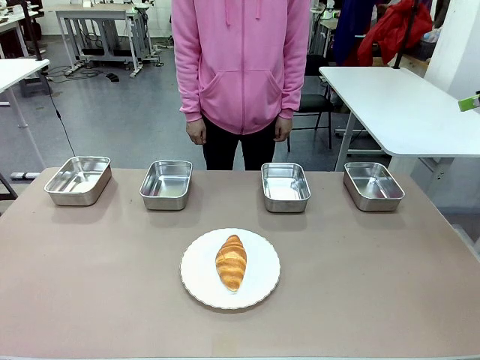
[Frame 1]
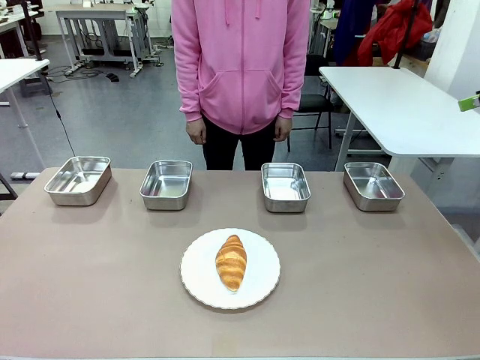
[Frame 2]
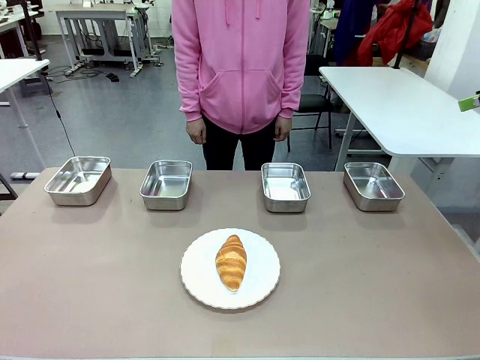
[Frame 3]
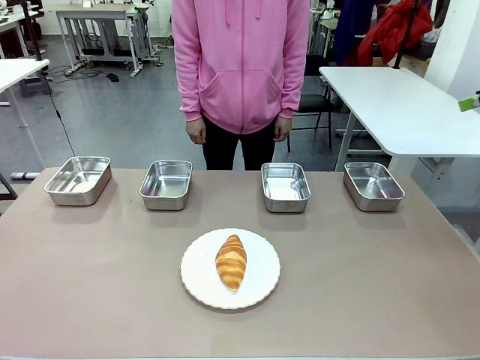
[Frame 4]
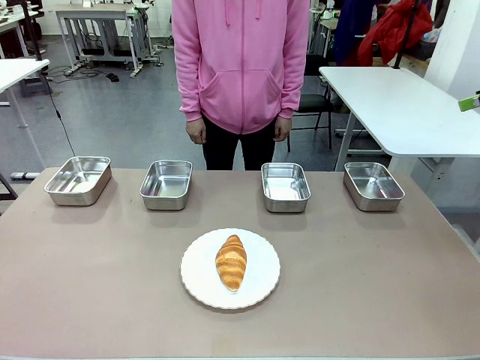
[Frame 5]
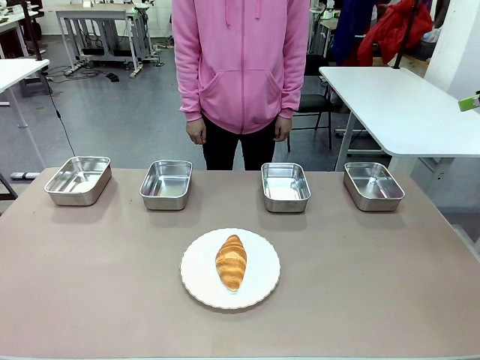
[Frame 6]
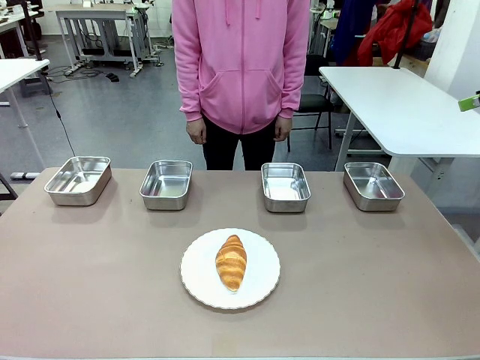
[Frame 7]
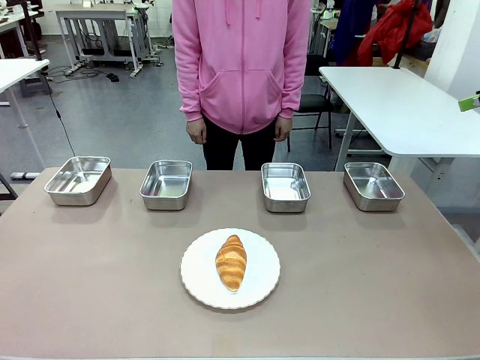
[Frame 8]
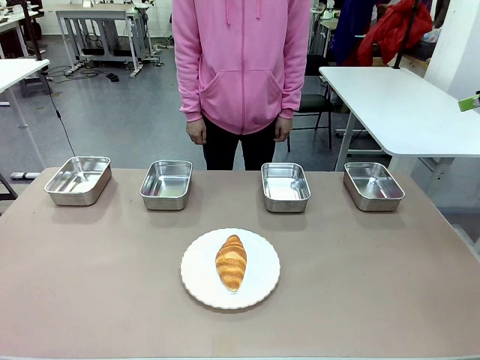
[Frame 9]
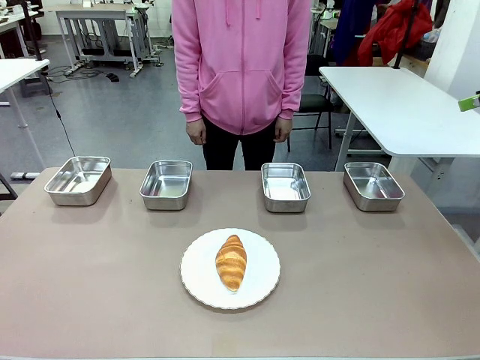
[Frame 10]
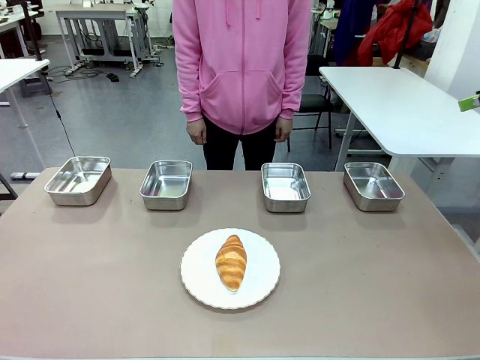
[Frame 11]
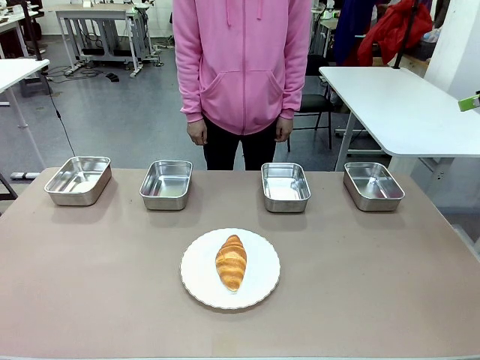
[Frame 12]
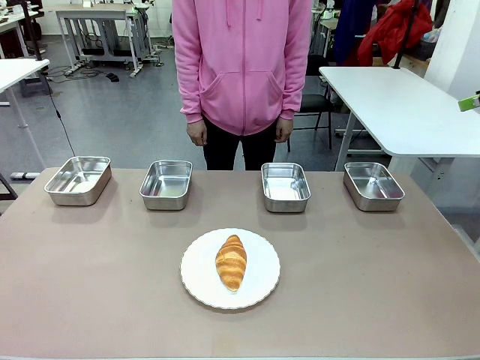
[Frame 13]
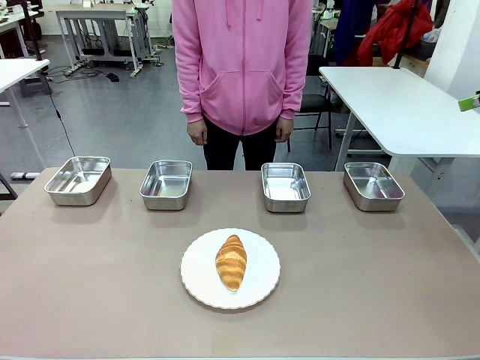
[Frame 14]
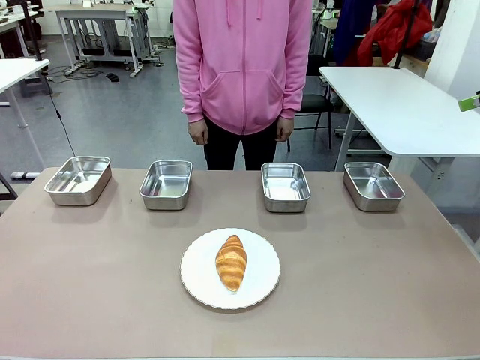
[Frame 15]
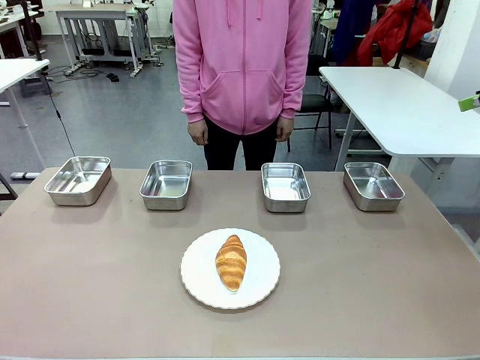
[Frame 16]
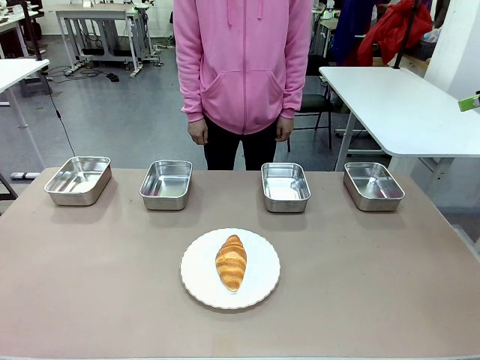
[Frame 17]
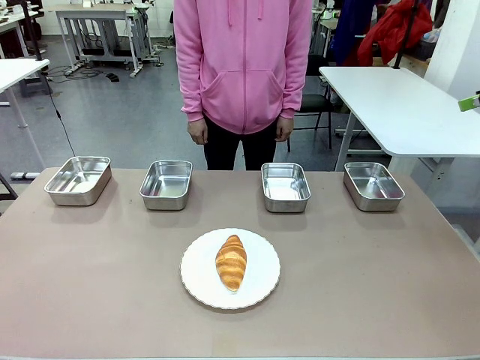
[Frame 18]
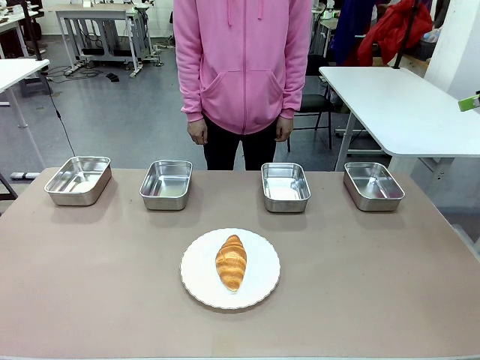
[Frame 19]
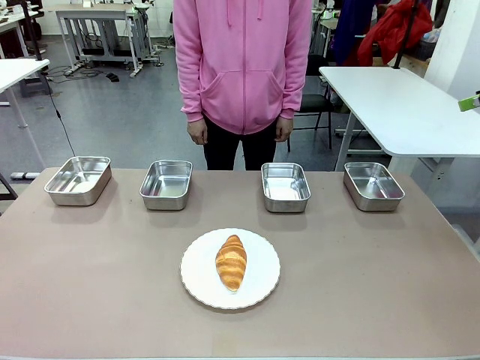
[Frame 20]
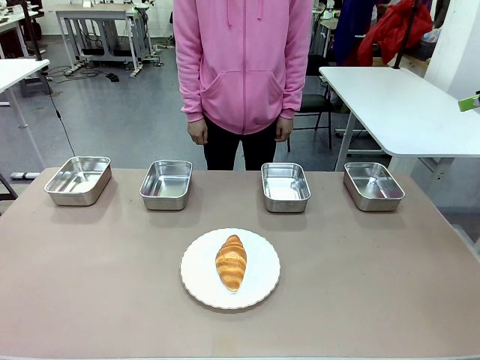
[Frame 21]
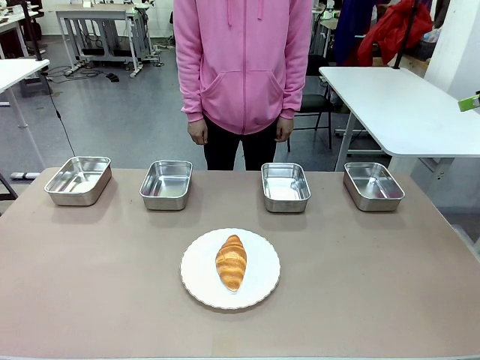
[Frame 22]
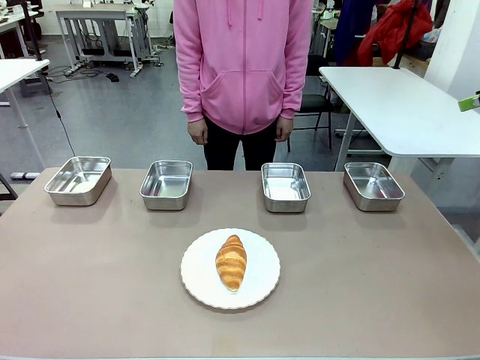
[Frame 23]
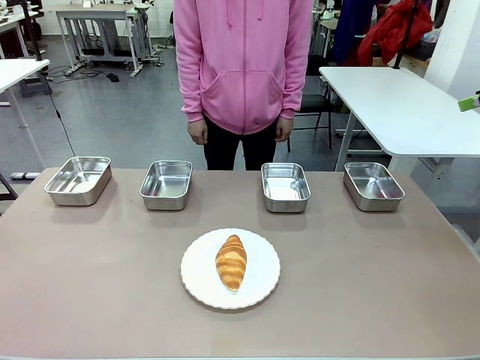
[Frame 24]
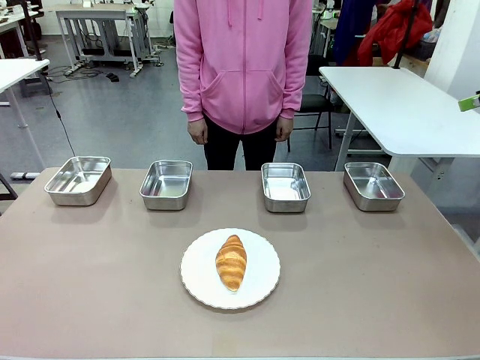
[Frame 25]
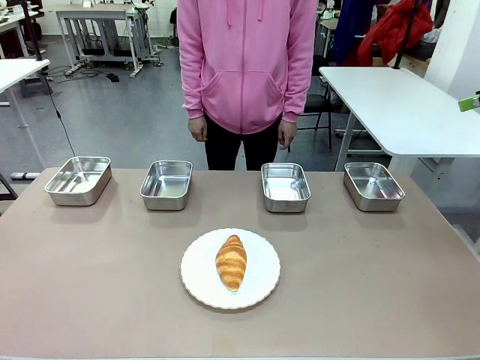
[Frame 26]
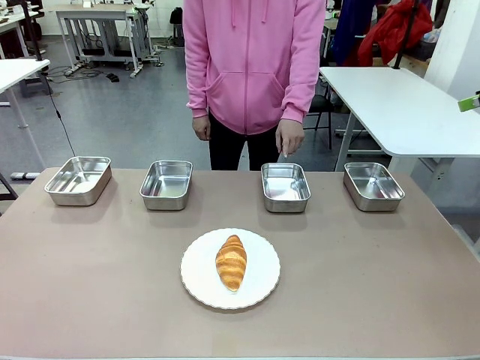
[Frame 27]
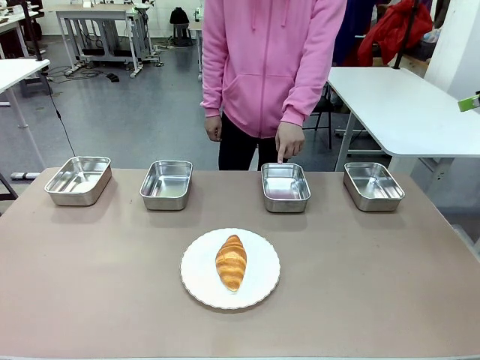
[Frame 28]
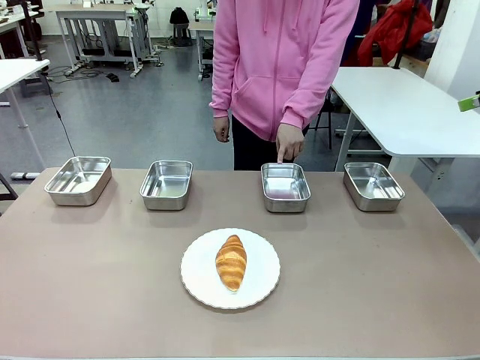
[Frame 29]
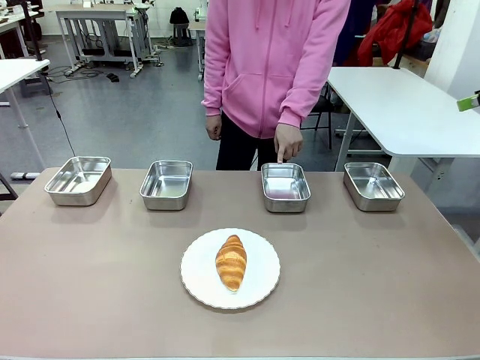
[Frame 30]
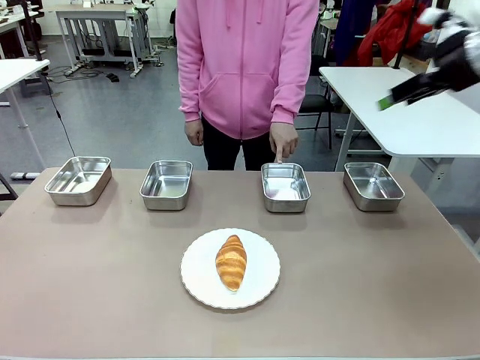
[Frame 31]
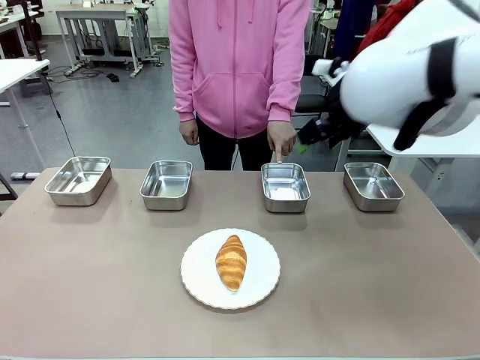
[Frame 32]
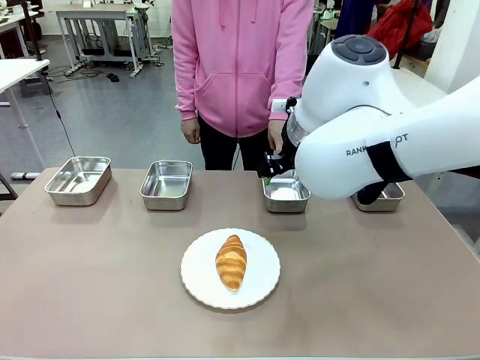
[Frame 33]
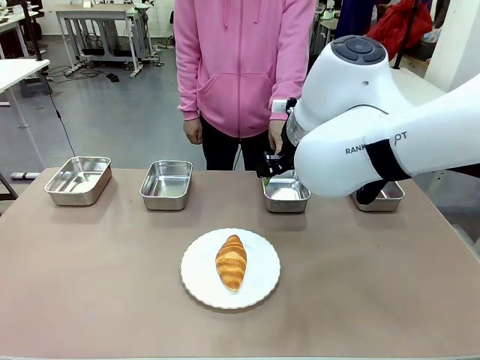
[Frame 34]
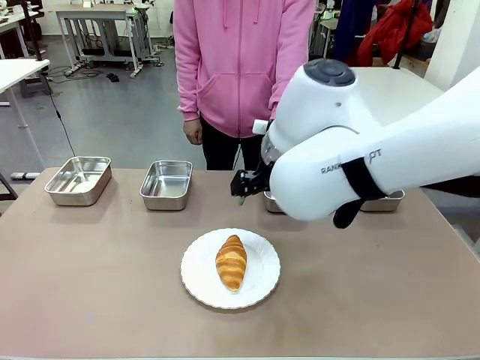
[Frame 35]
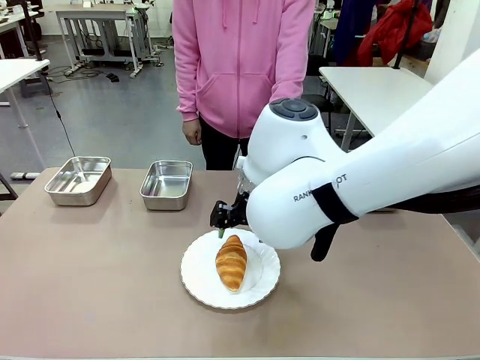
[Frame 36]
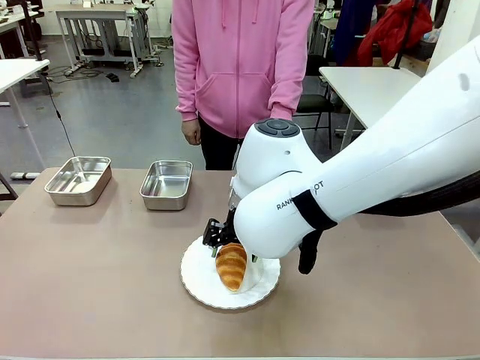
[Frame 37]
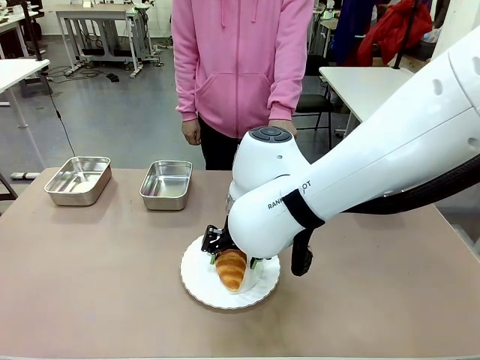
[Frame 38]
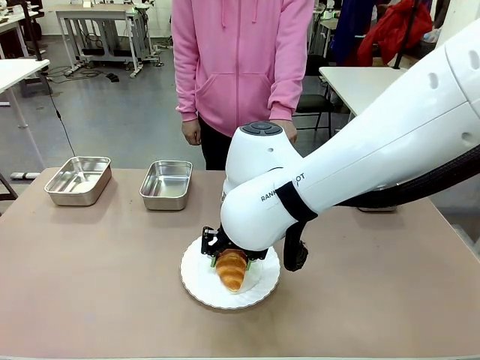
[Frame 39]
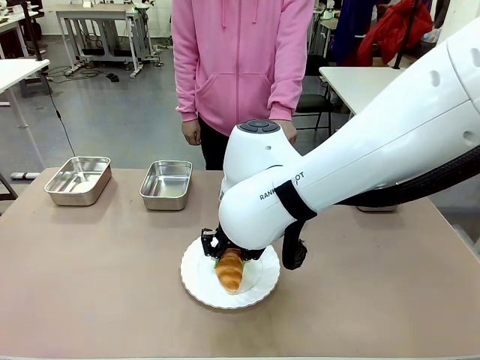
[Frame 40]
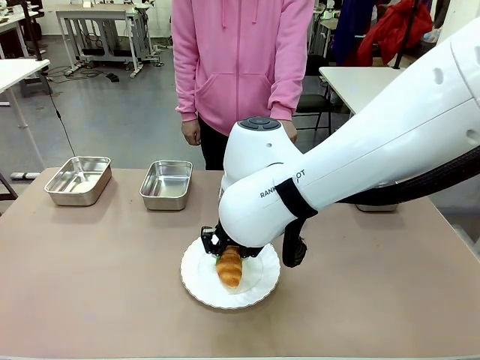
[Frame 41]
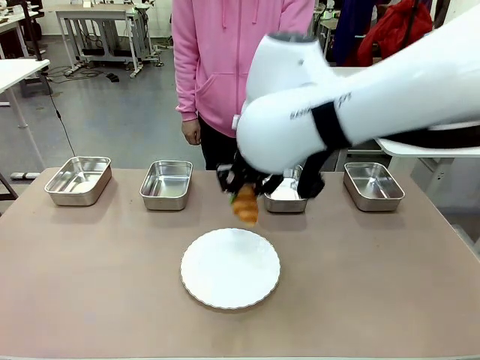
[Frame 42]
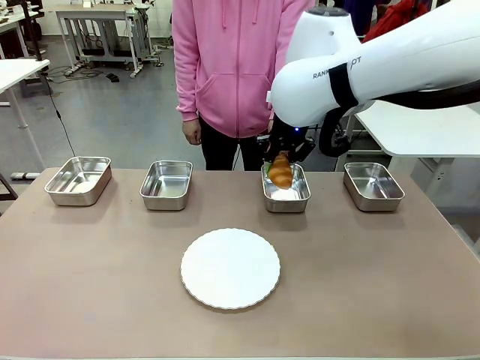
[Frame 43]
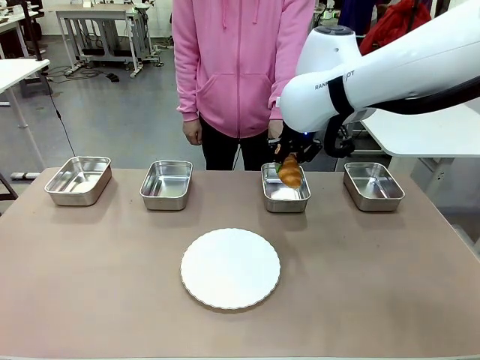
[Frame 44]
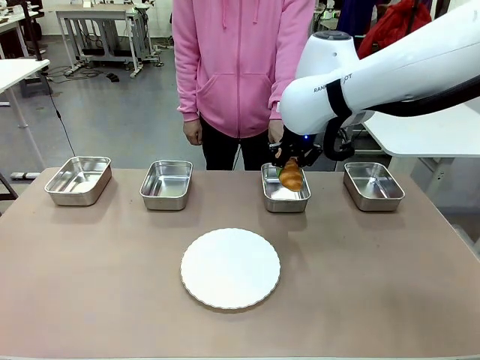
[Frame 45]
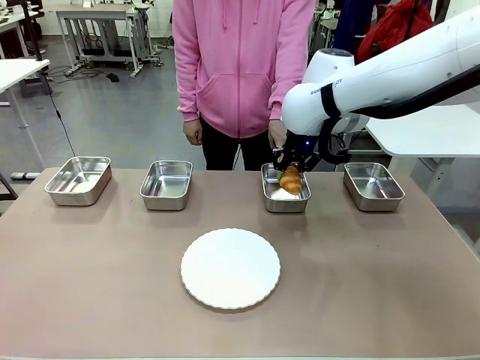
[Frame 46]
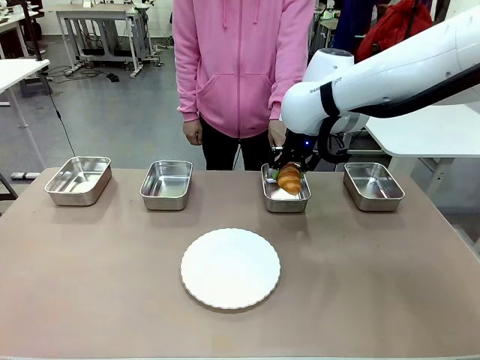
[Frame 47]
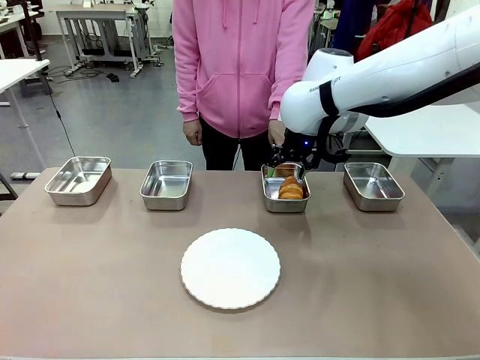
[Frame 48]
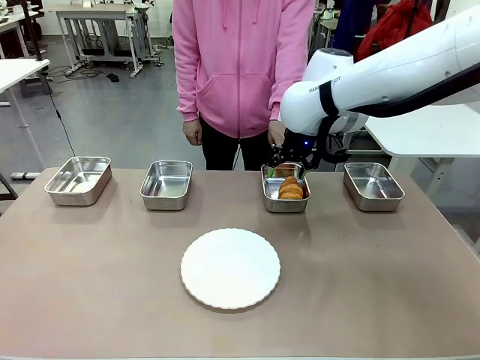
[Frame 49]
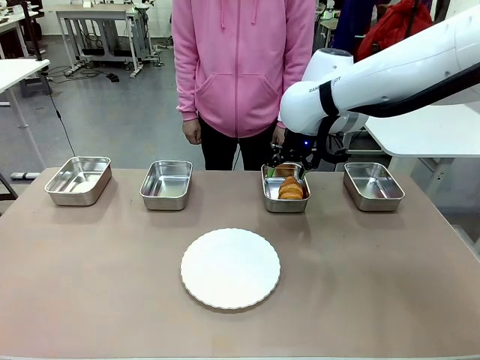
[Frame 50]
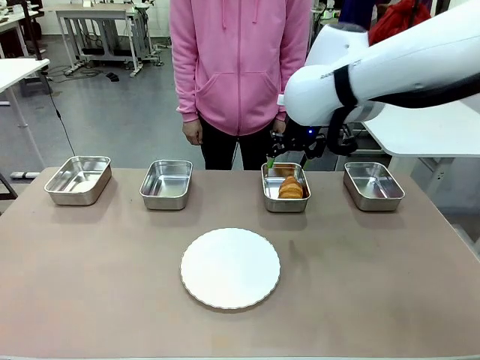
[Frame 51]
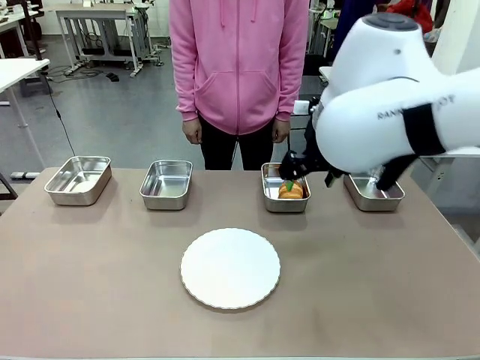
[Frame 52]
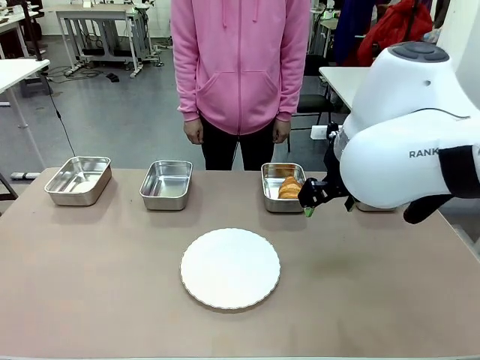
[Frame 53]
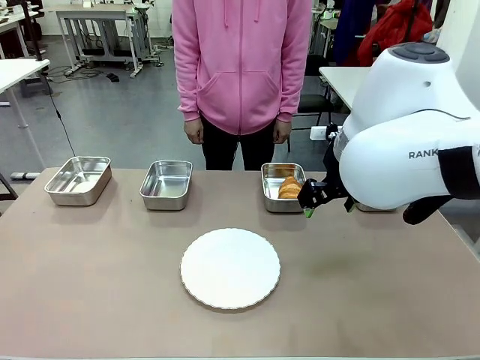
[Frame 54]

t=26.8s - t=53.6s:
Task: Place the bread in the container.
Robot: Place the Butter Roll into the Airtight Container indicated by the human.
